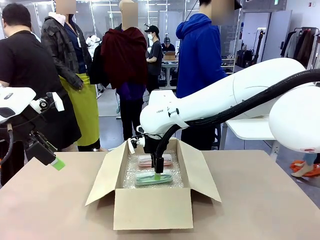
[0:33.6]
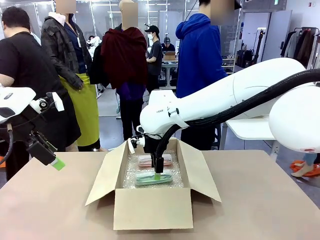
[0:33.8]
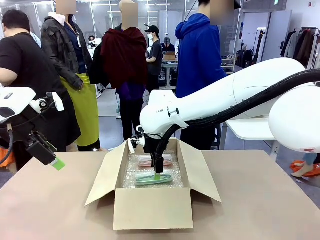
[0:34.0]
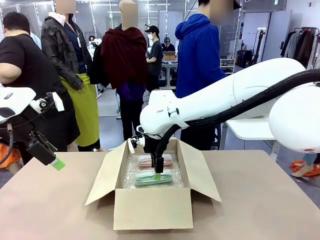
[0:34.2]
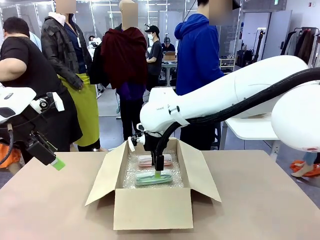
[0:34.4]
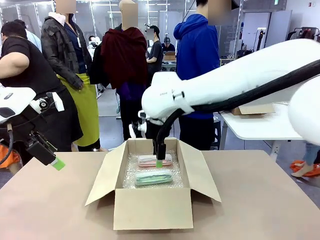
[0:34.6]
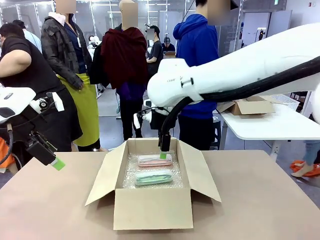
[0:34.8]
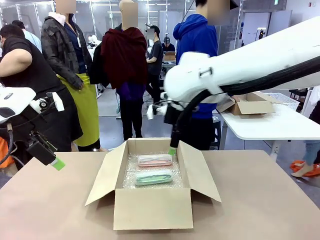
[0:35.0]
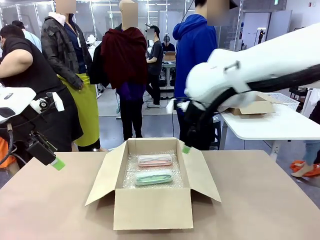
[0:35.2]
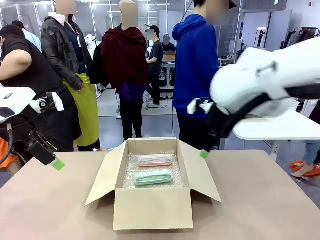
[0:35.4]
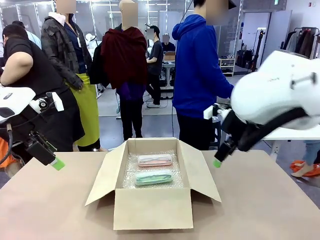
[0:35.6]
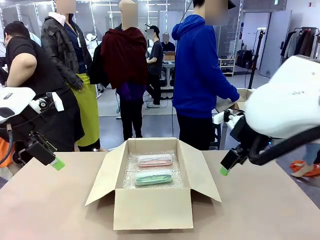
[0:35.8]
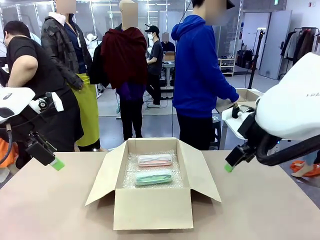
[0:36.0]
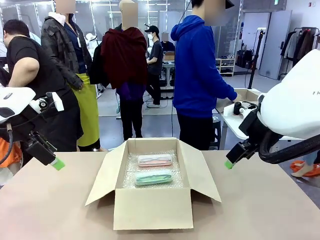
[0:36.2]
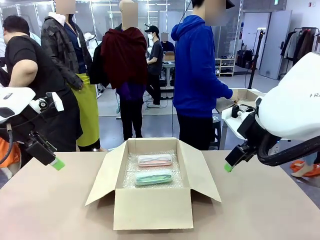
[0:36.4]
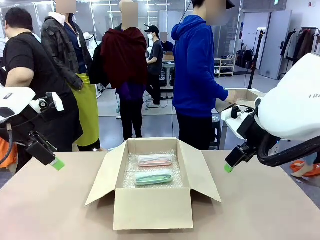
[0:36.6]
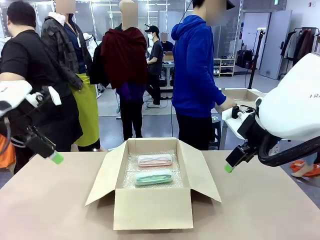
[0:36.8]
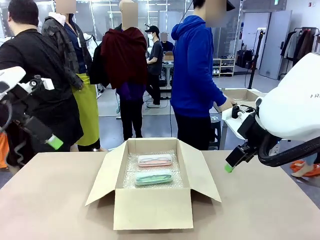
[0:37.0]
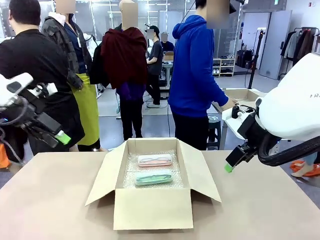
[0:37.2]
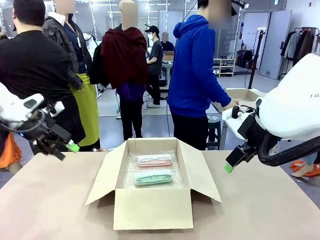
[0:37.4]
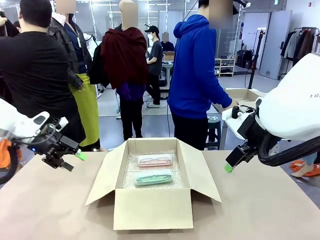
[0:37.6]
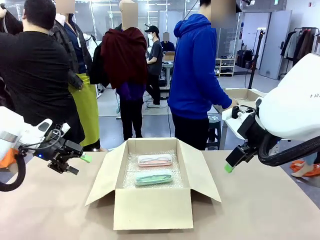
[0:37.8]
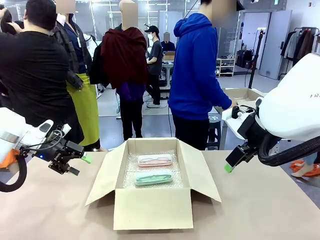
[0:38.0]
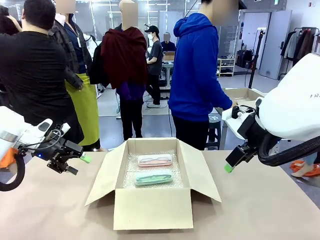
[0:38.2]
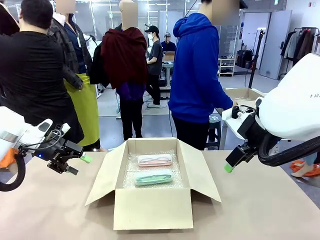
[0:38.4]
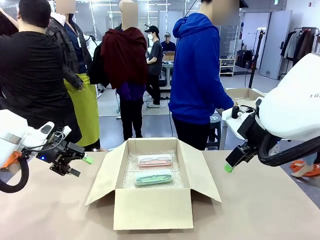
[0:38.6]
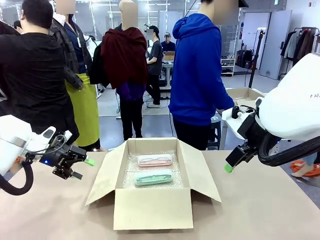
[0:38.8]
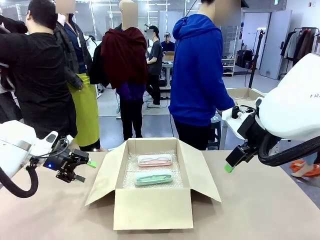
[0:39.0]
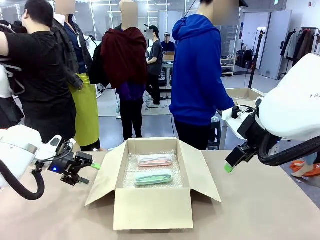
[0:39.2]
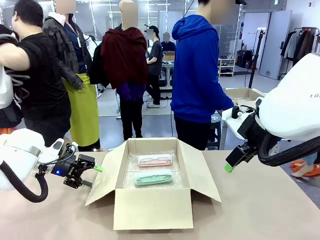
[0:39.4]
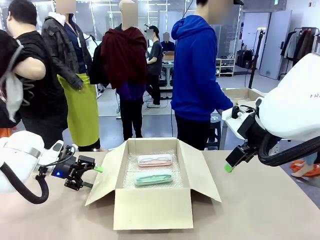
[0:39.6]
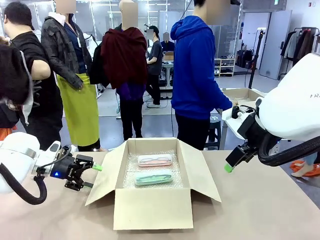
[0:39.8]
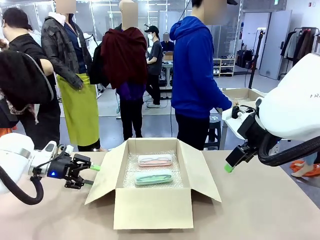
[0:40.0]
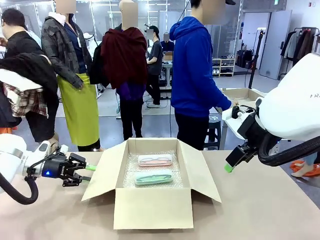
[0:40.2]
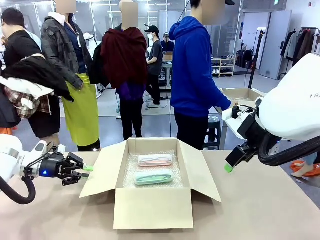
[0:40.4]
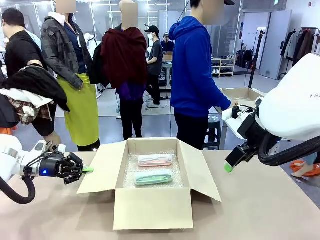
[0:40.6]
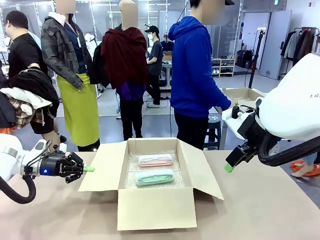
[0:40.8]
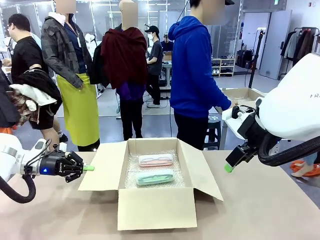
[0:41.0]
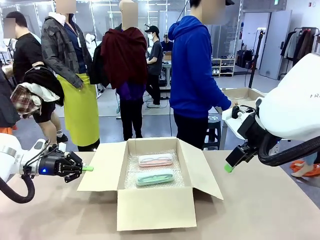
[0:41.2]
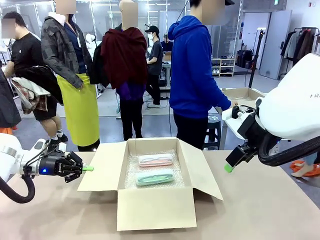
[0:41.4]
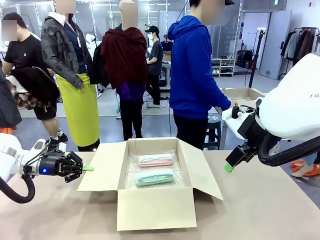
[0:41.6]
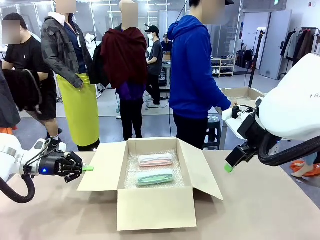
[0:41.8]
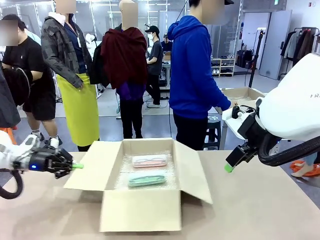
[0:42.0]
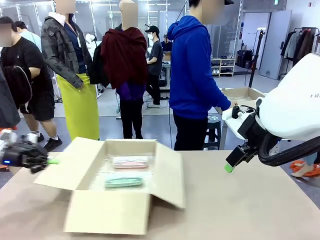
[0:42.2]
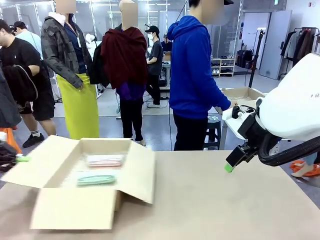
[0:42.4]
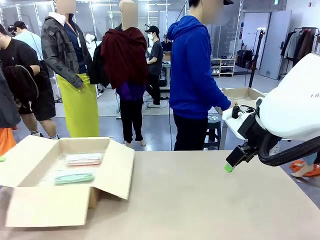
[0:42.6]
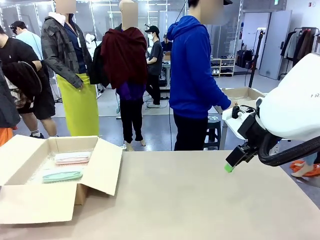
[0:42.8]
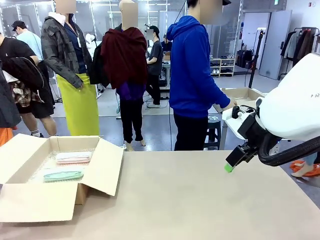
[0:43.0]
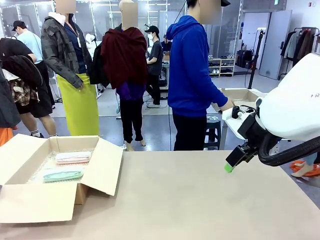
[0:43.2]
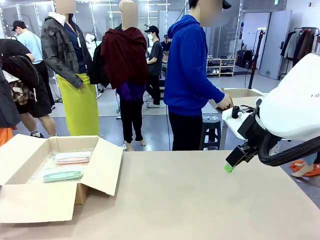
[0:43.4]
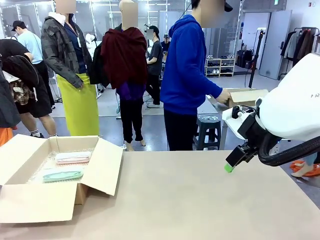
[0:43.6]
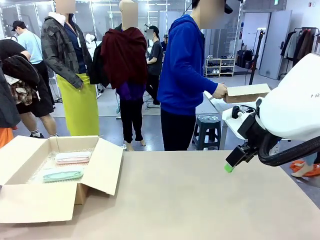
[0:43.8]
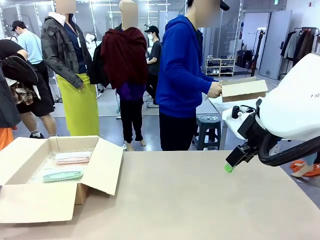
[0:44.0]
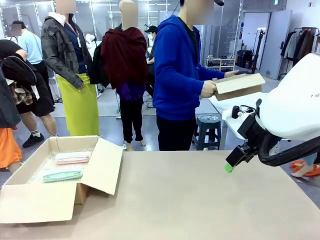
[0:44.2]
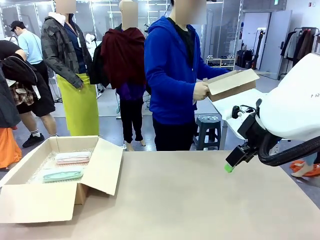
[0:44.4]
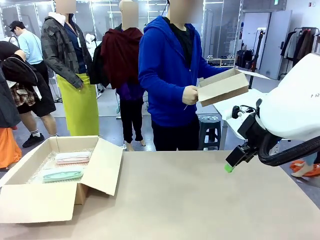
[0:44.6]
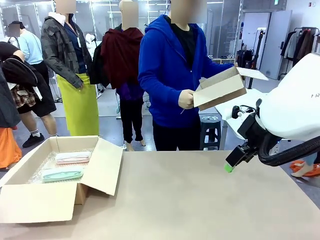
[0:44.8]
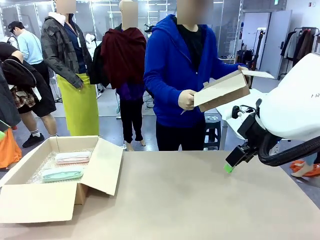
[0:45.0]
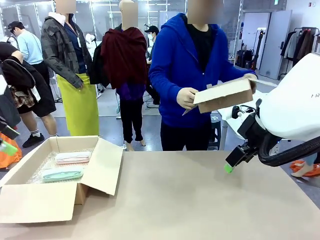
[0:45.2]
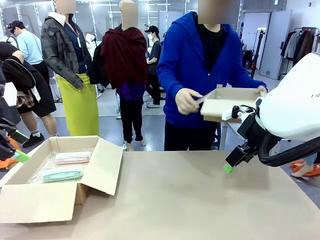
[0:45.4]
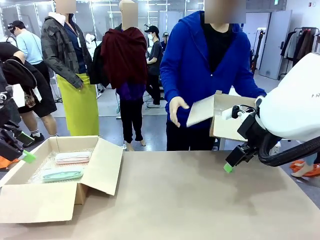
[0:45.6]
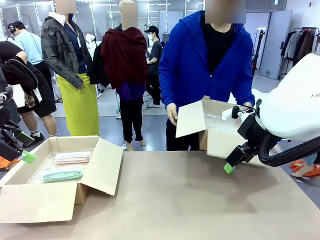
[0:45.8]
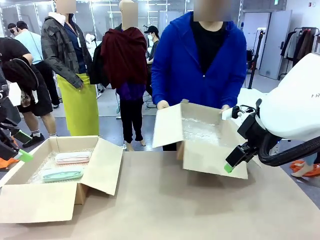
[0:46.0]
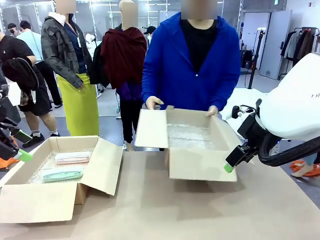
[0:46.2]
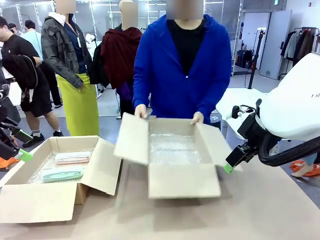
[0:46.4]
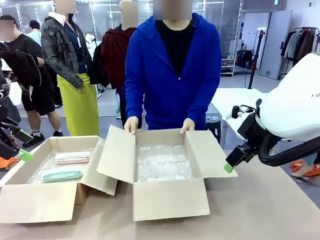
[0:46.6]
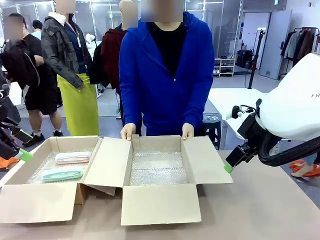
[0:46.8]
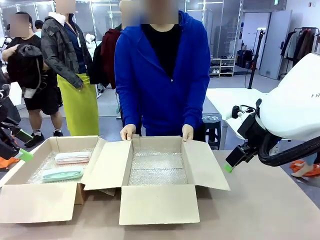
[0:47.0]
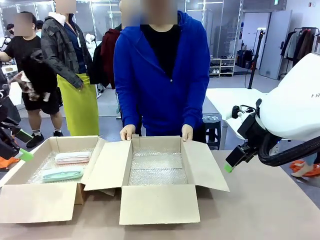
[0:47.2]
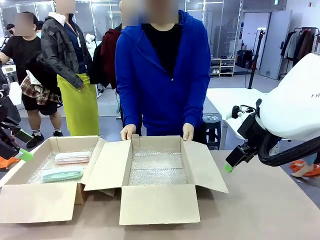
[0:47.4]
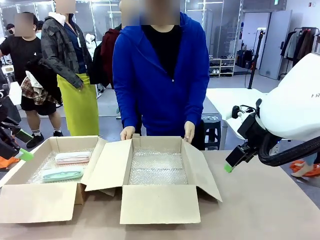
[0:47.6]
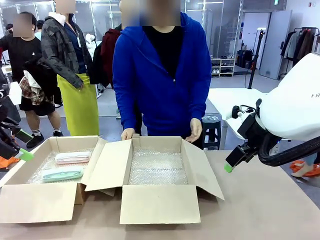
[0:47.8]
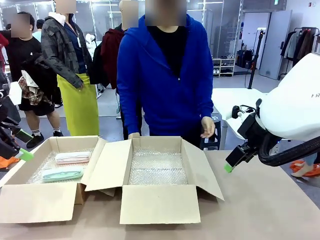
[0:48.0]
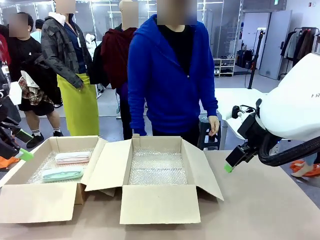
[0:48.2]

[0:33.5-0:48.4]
Task: Pack the glasses set securely to prepare it for shipping.
Robot: Position the Package Box on the left side of the table.
Person: Position the empty Package Box in the middle of the robot's table.

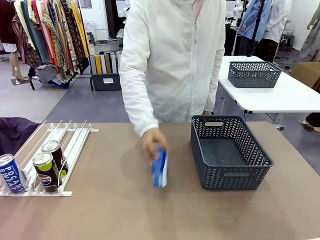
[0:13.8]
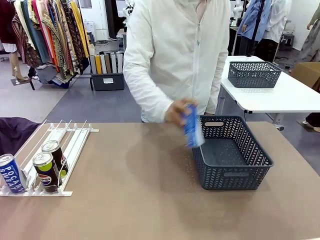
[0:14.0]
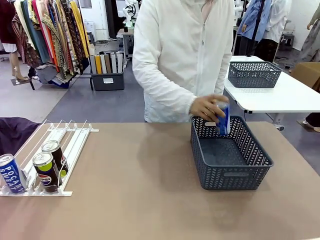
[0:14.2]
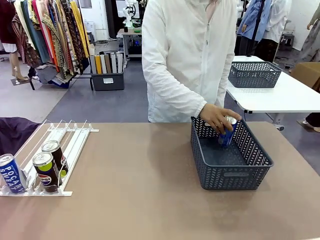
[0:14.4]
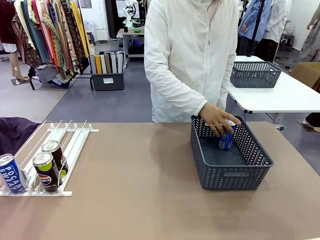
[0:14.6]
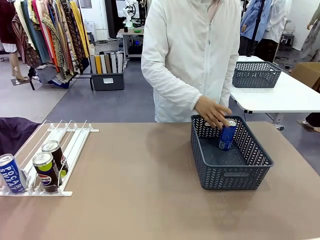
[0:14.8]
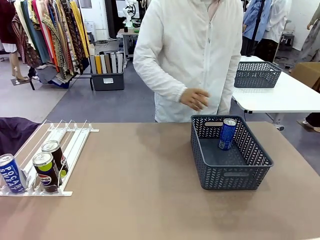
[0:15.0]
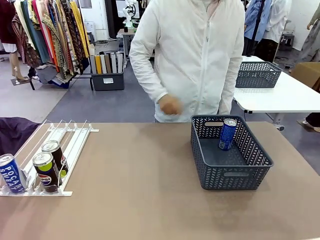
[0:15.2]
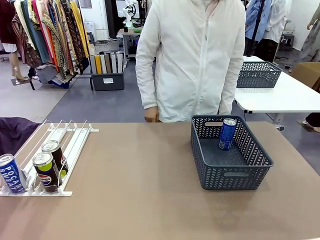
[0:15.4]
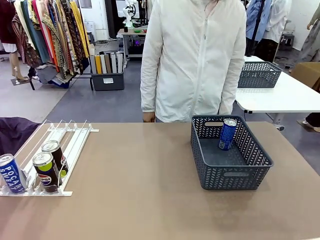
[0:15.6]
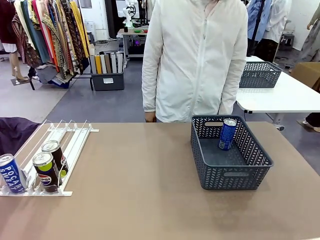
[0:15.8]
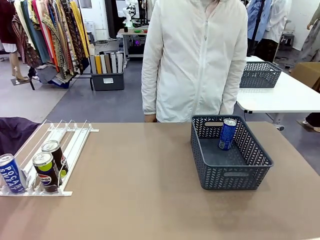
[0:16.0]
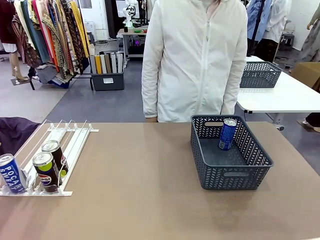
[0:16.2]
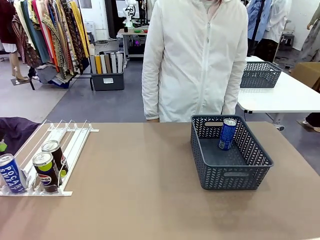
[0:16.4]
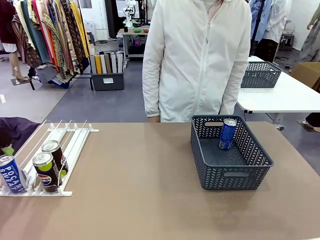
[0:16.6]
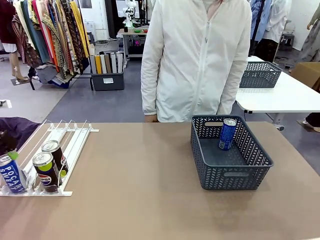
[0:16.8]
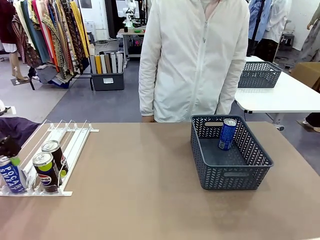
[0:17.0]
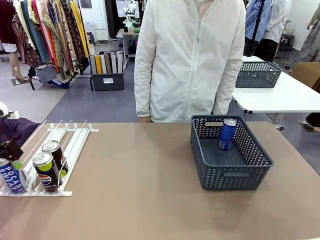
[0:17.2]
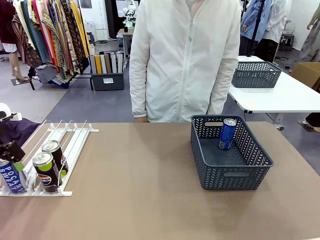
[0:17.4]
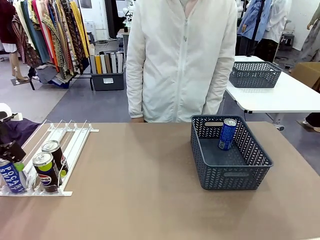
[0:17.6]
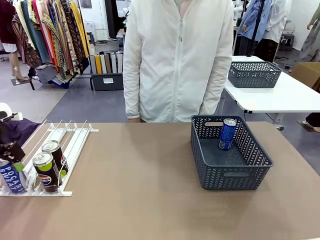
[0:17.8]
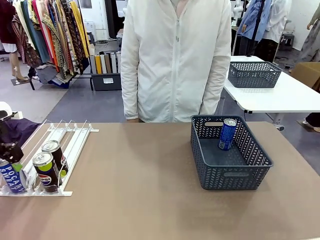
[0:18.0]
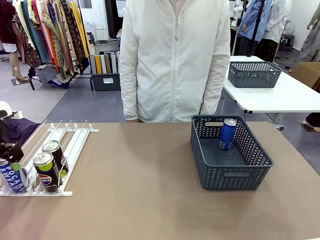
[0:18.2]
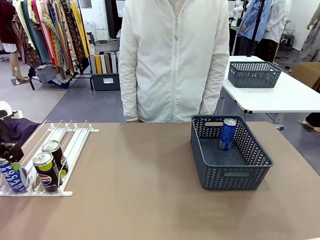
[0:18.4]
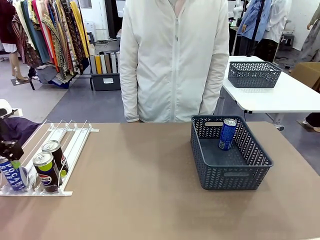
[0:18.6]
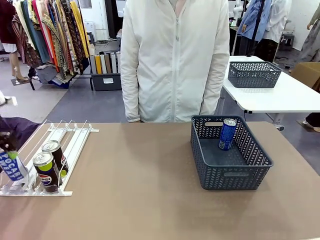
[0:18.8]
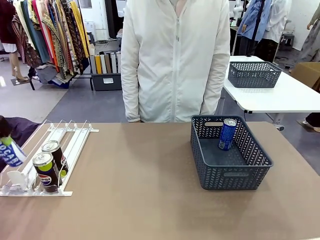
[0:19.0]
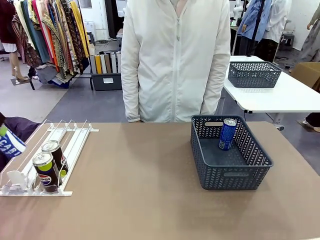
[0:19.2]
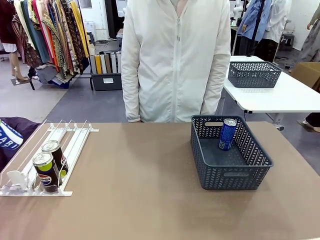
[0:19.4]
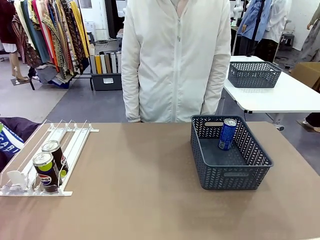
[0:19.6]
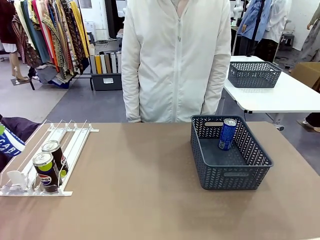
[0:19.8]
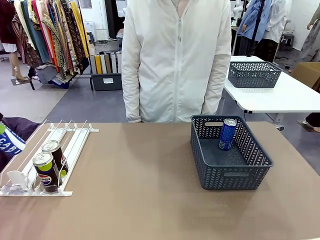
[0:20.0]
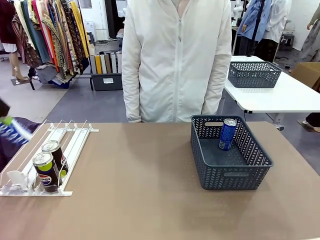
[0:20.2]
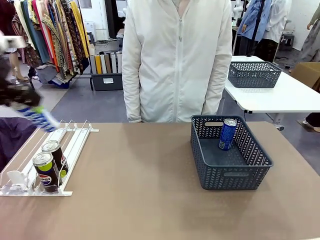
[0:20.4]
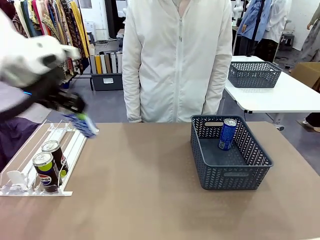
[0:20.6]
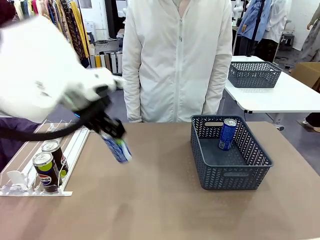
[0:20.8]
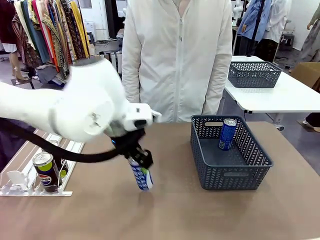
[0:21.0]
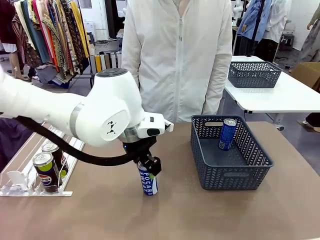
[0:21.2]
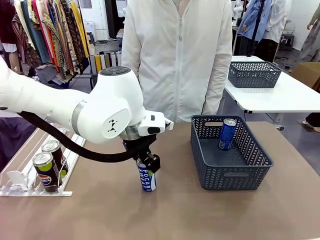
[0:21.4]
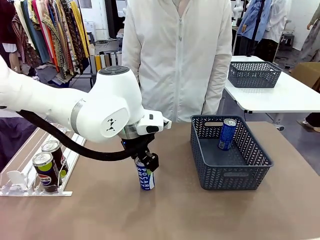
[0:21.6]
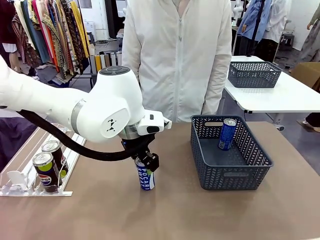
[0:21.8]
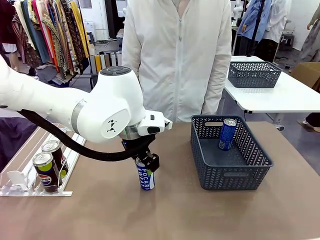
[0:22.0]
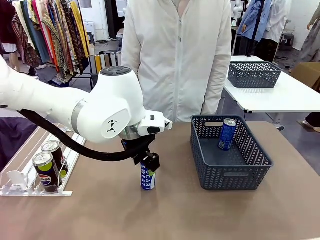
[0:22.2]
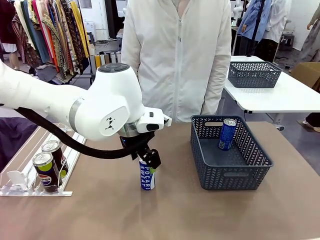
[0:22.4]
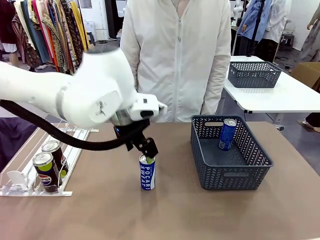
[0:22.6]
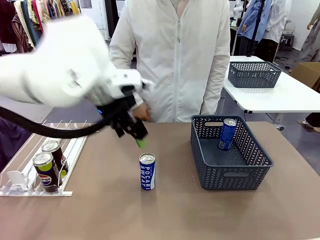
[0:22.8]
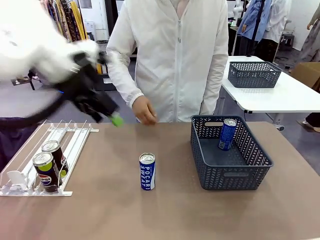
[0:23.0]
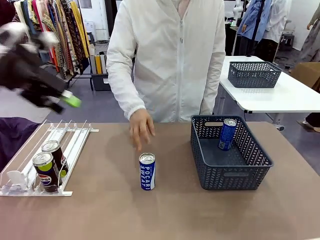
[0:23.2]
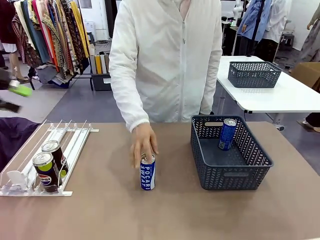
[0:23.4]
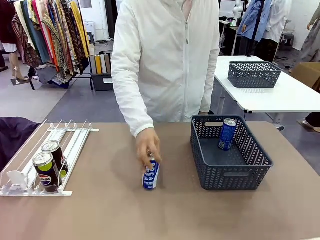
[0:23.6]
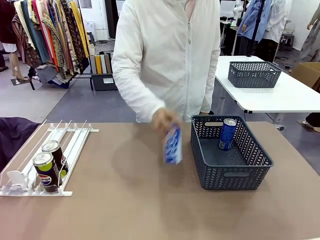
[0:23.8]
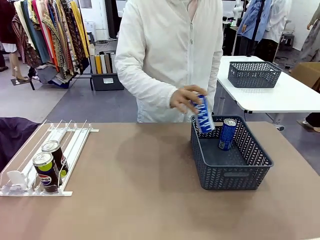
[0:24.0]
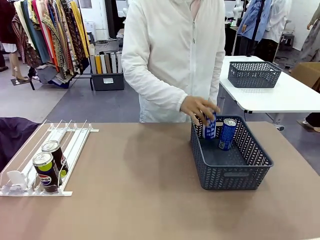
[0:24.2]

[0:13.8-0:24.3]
Task: Retrieve and store the cans from the dispenser.
Robot: Pick up the last remaining can from one row of the Automatic Can Dispenser and place it in the middle of the table.
Person: Pick up one Pepsi can from the middle of the robot table and place it in the basket.
